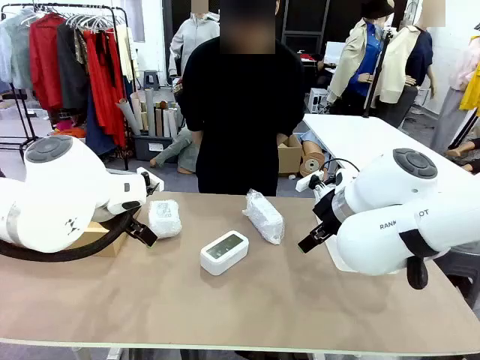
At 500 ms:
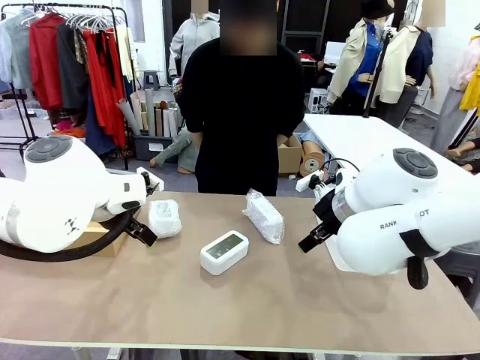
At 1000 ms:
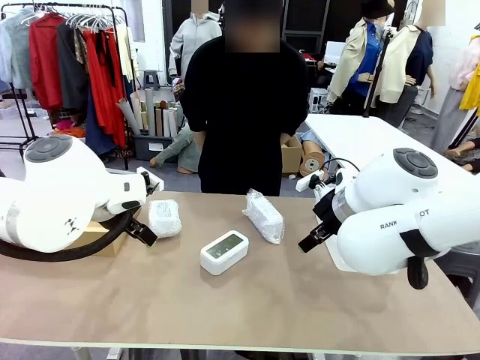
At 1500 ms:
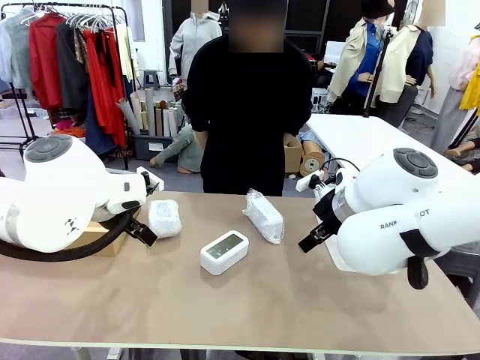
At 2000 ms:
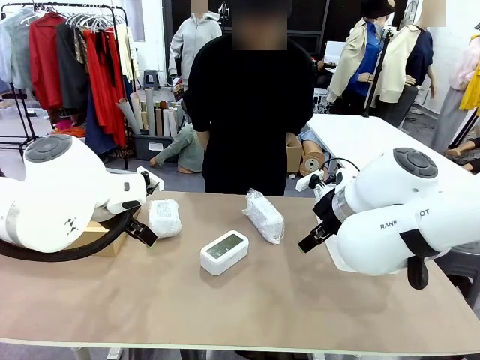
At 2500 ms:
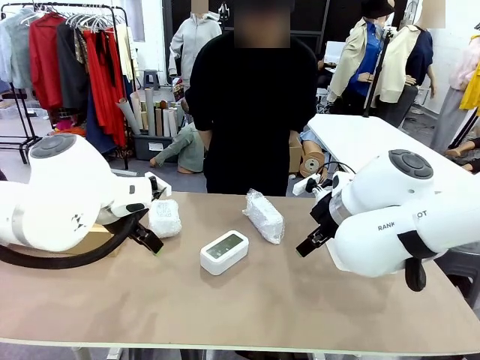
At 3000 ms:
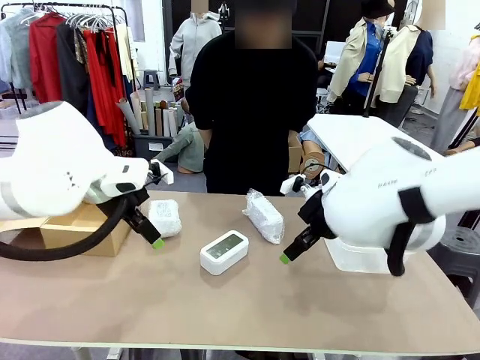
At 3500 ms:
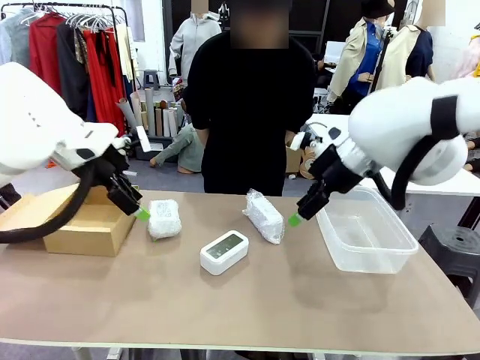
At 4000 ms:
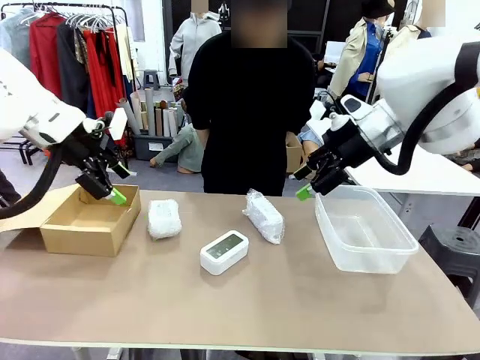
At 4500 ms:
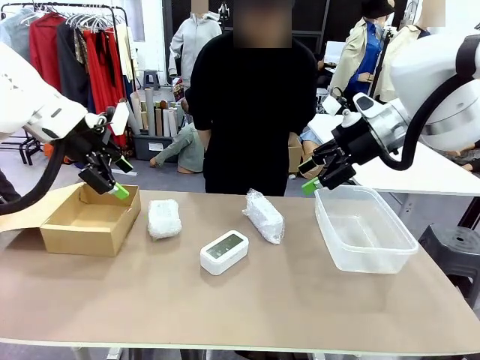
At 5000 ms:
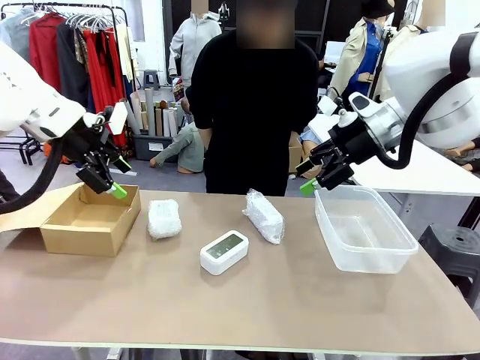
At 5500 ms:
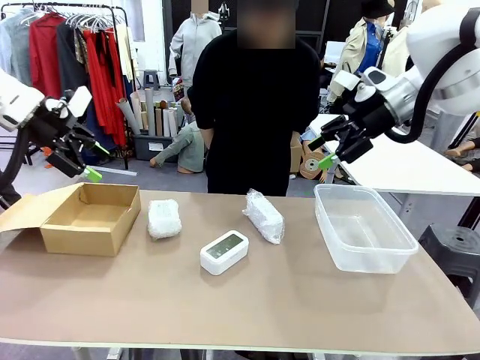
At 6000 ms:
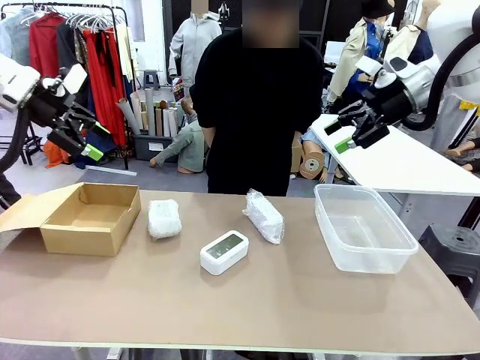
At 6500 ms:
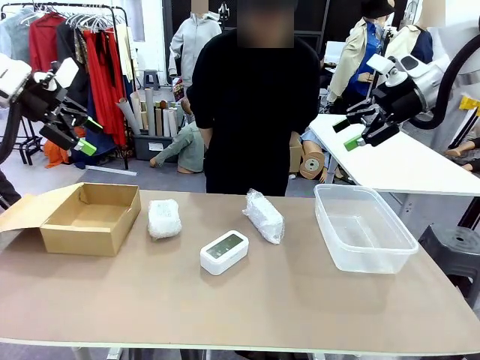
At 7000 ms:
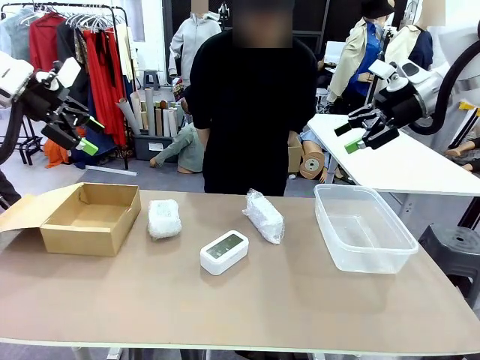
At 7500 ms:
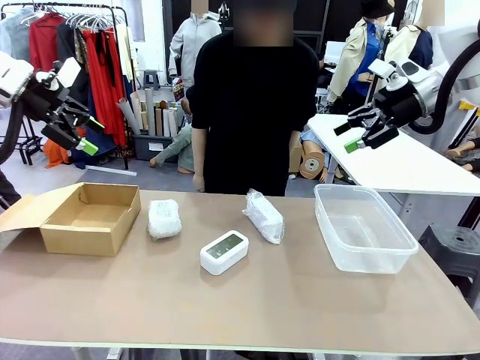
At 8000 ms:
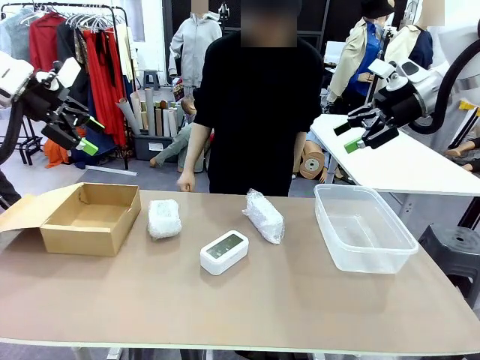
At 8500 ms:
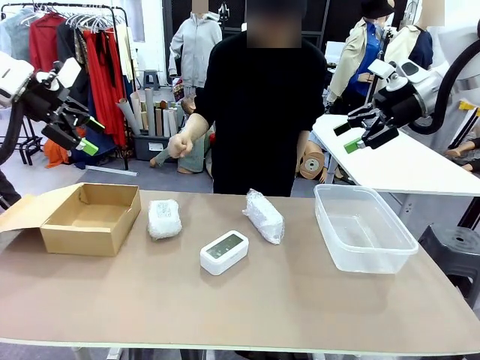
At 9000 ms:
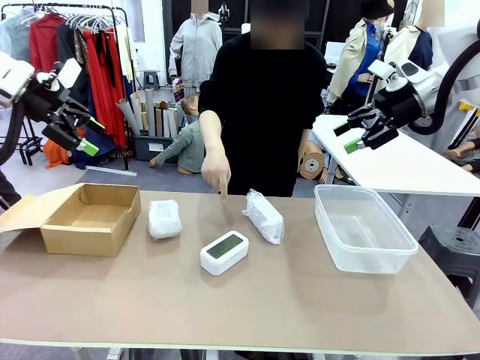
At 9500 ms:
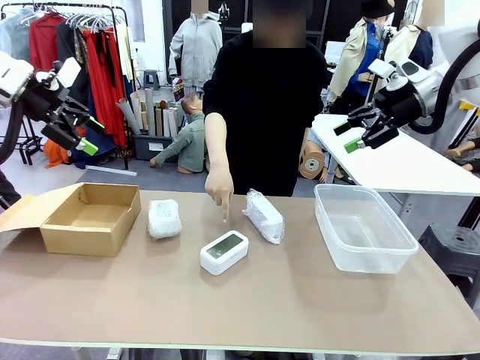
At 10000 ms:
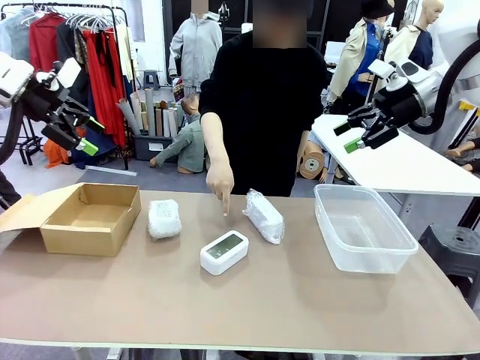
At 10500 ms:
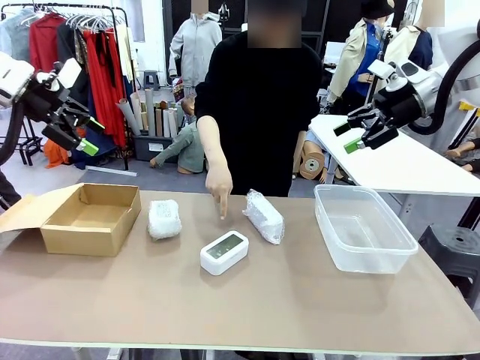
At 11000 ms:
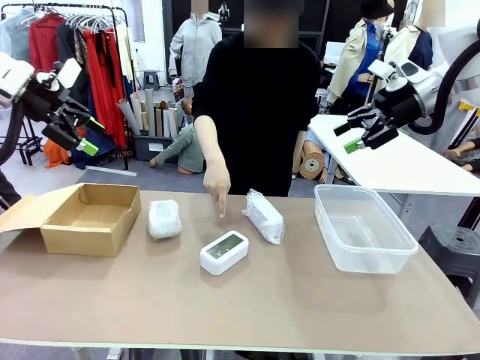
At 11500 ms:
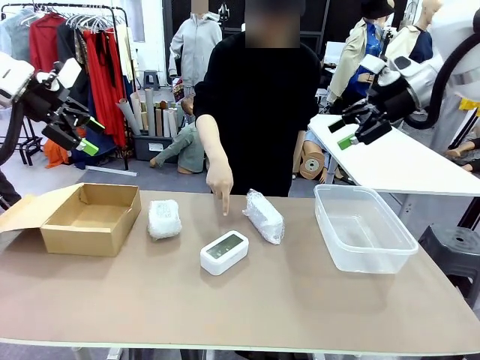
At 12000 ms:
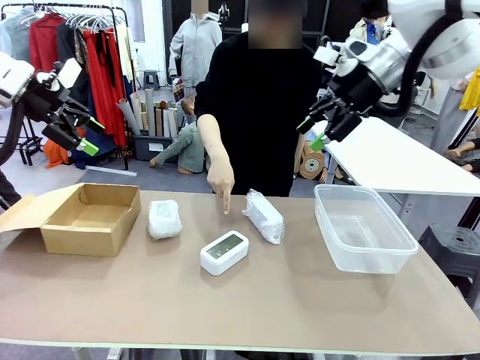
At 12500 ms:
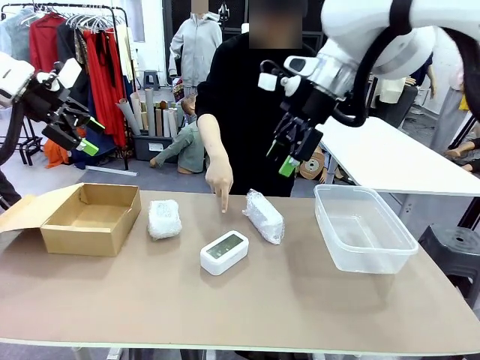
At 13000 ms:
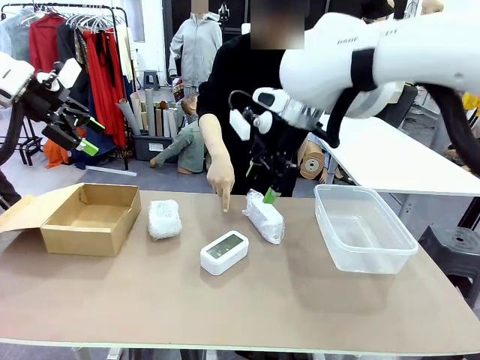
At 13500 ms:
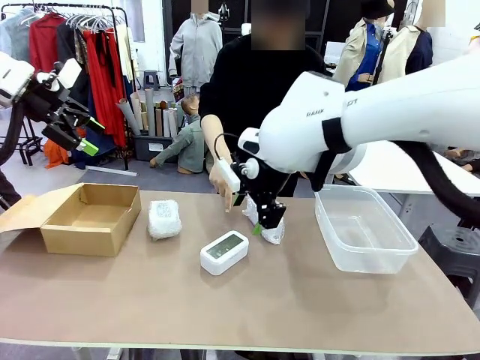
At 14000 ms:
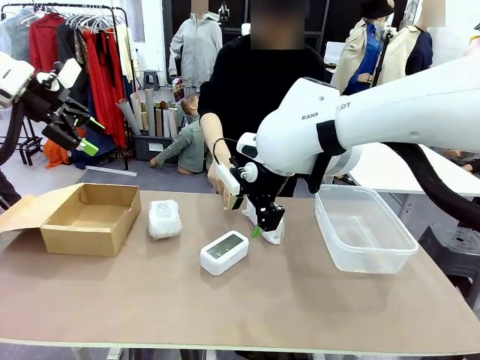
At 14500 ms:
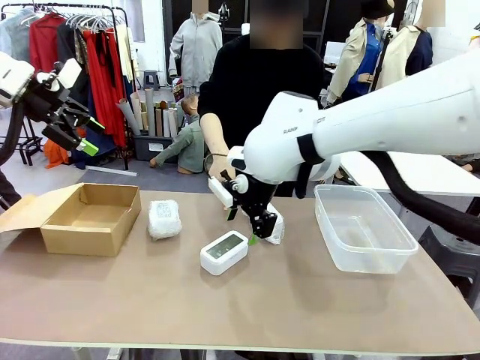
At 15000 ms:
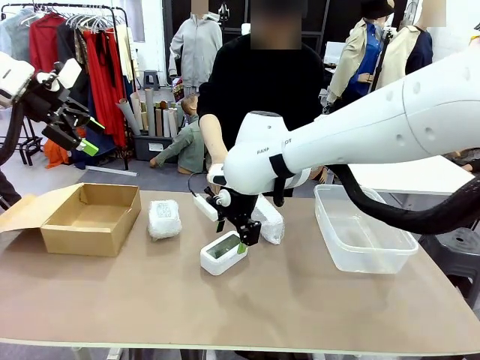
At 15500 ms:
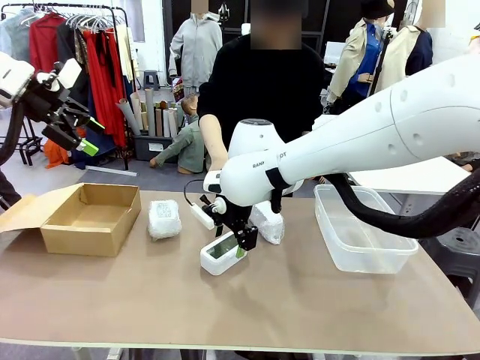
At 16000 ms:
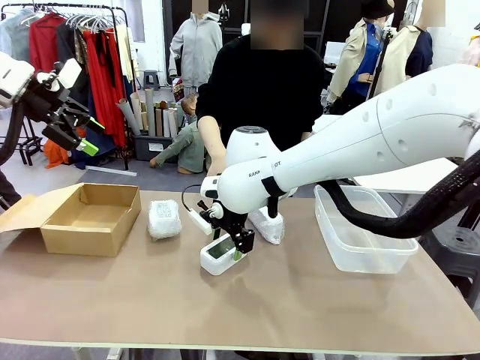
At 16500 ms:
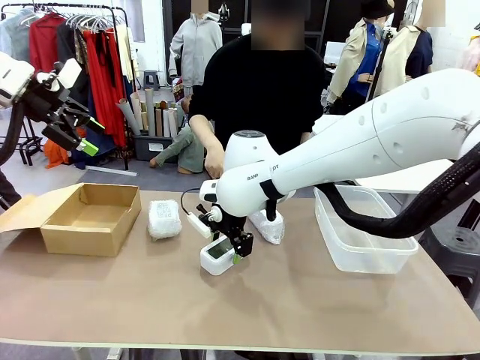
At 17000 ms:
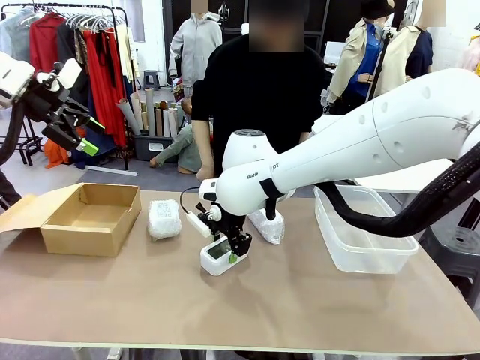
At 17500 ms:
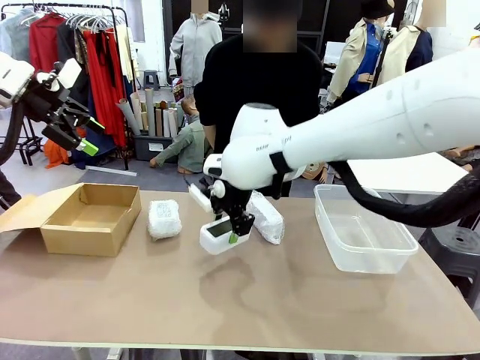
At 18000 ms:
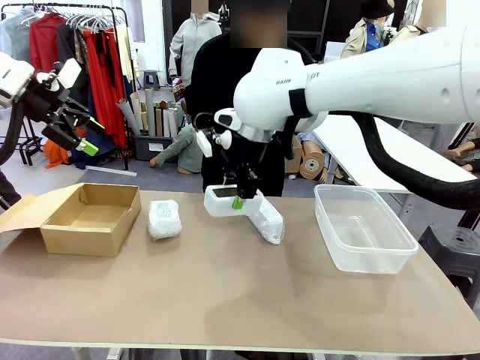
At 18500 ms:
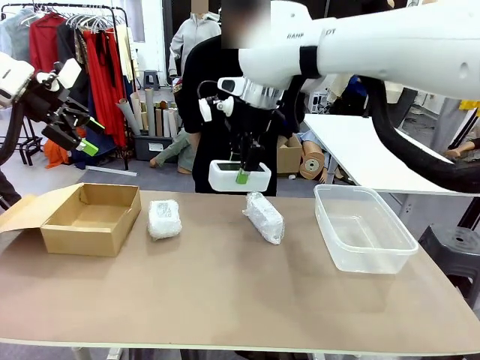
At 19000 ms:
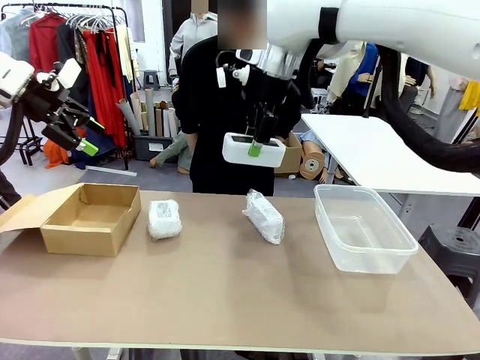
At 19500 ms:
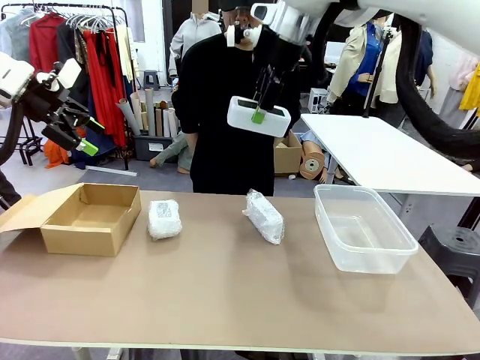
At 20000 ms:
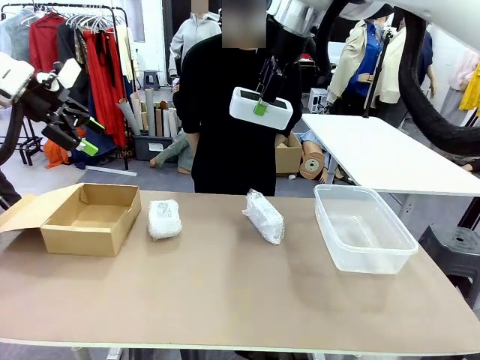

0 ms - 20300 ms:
Task: Separate and place wrapped and unwrapped clocks.
Robot: Pick up the Digital clock indicated by the person.

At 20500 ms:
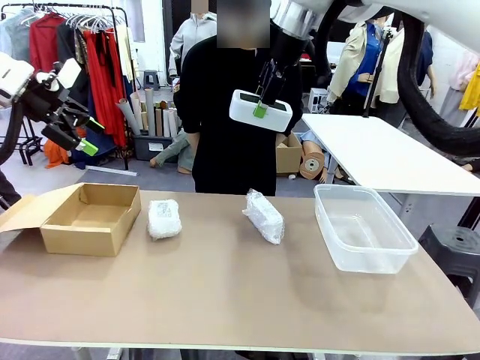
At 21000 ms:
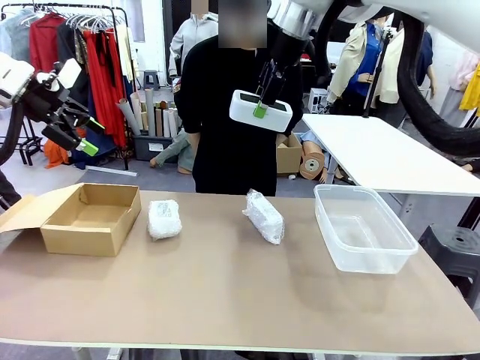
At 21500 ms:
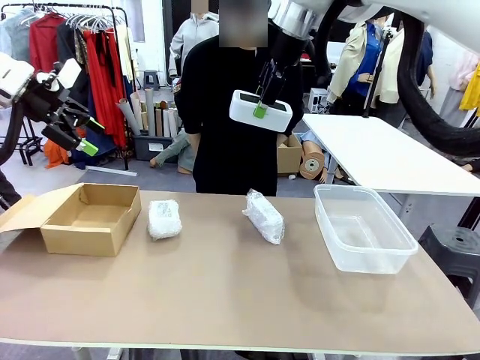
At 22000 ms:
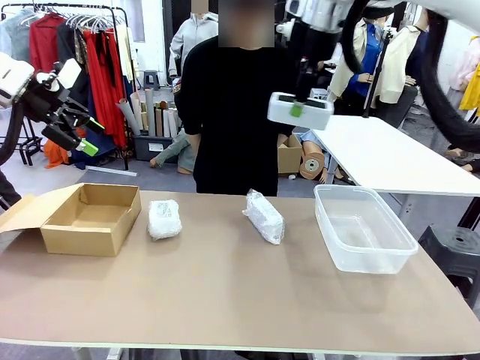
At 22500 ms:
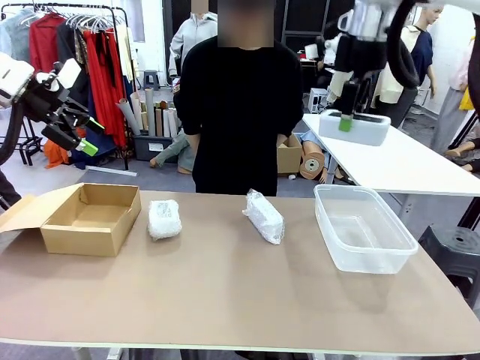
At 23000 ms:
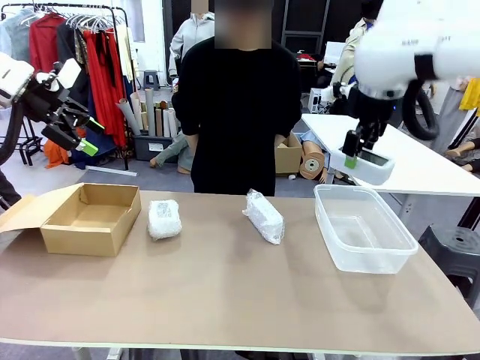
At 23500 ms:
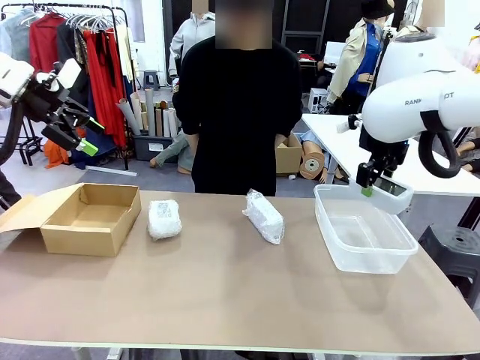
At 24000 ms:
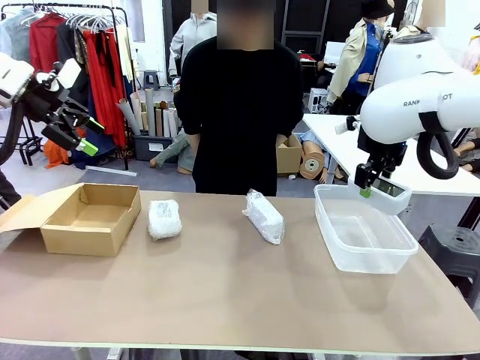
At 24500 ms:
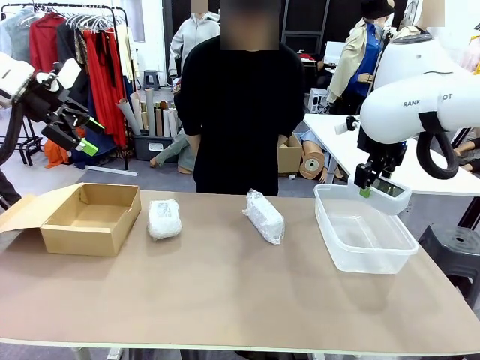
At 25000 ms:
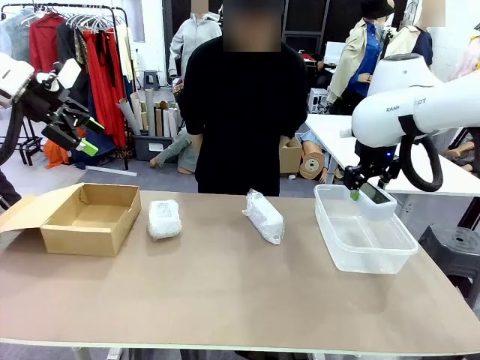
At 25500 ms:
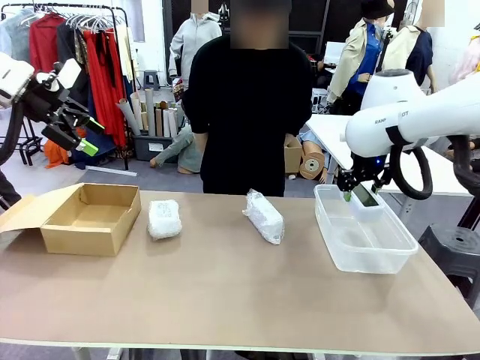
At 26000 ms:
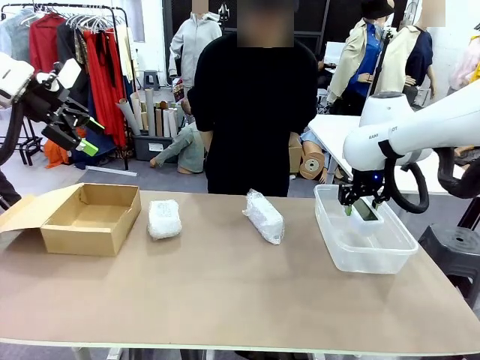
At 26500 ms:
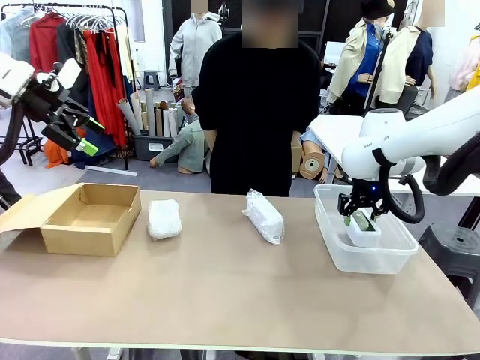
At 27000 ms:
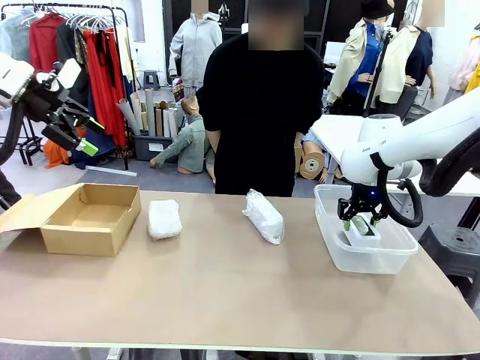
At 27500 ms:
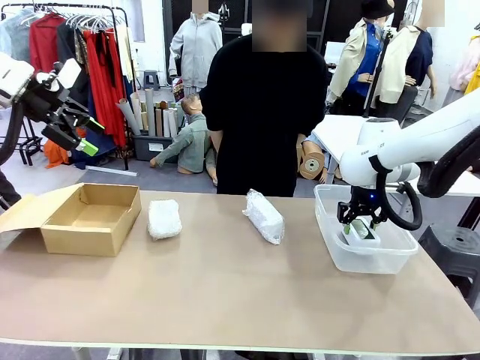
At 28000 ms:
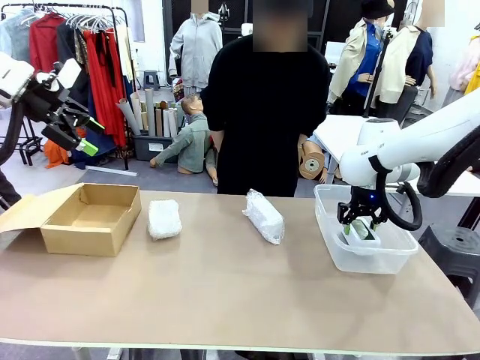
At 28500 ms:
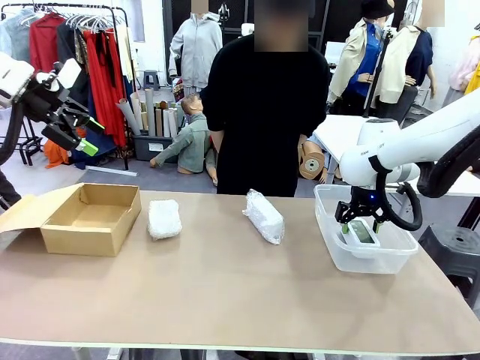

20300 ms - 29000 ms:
Robot: If the picked Digital clock is wrapped, place it in the Package Box ; if not, place it in the Organizing box.
